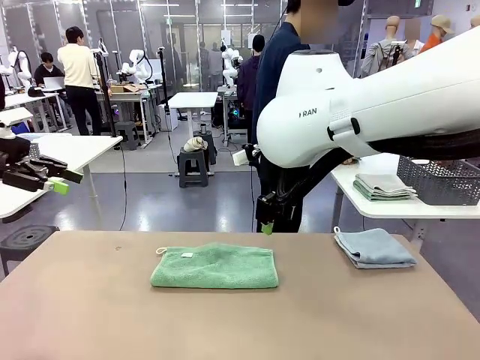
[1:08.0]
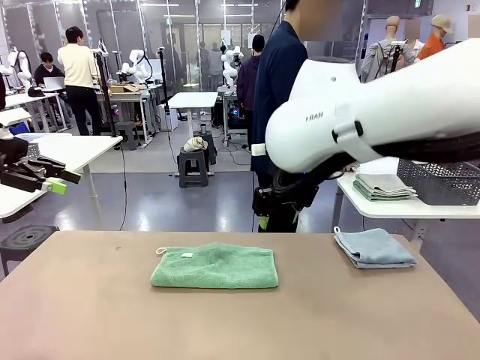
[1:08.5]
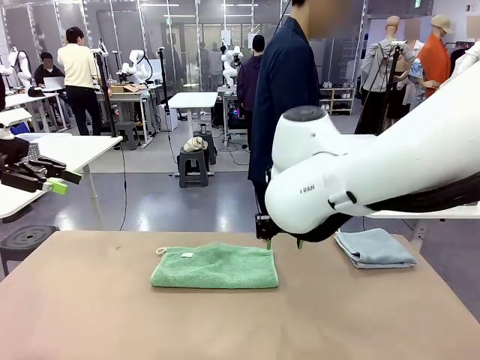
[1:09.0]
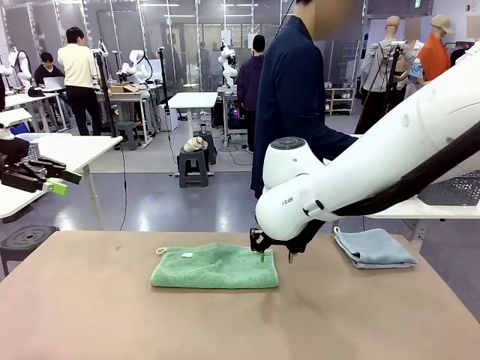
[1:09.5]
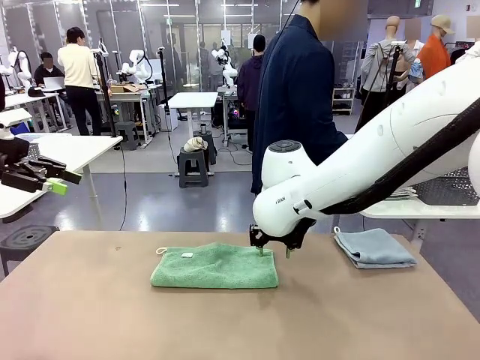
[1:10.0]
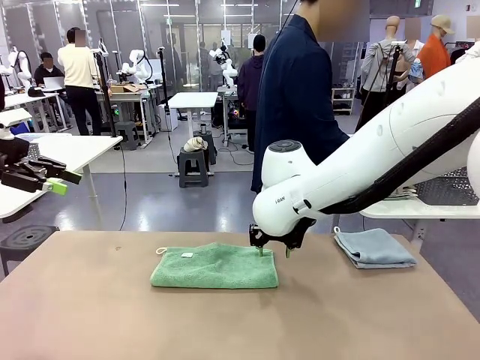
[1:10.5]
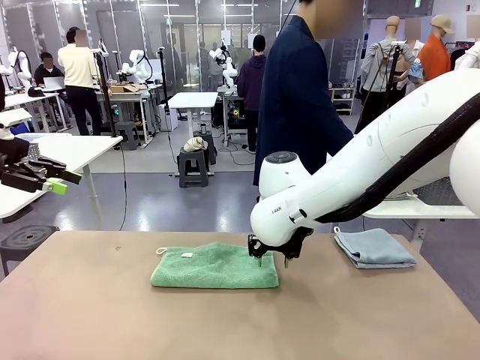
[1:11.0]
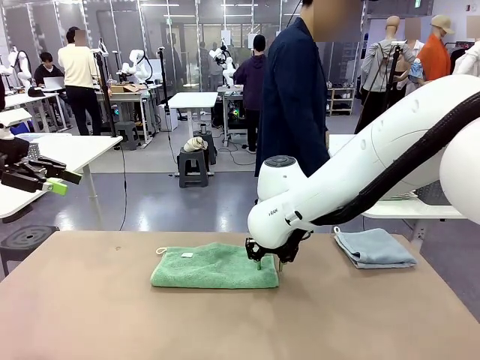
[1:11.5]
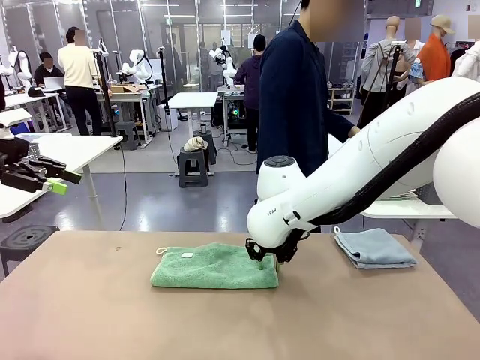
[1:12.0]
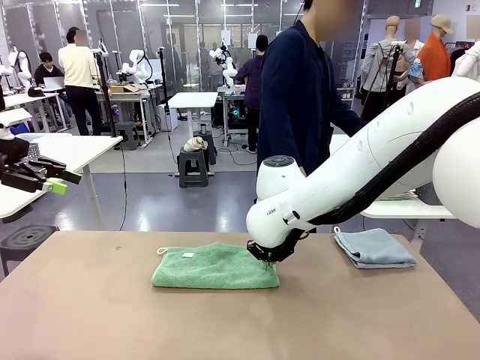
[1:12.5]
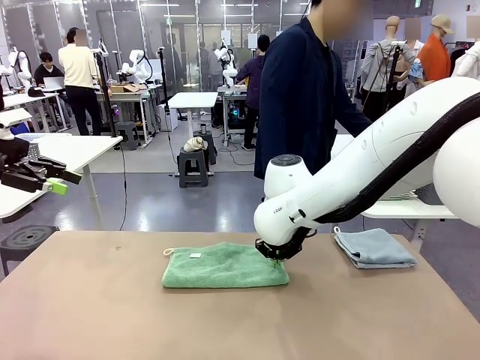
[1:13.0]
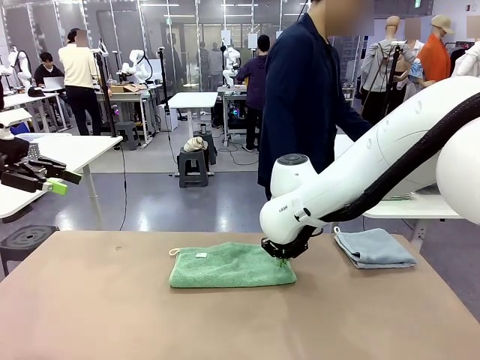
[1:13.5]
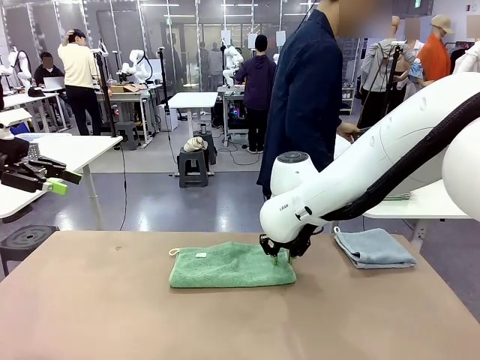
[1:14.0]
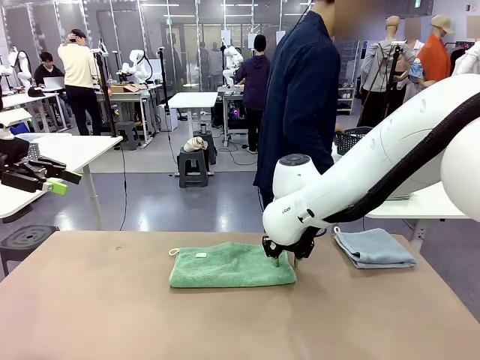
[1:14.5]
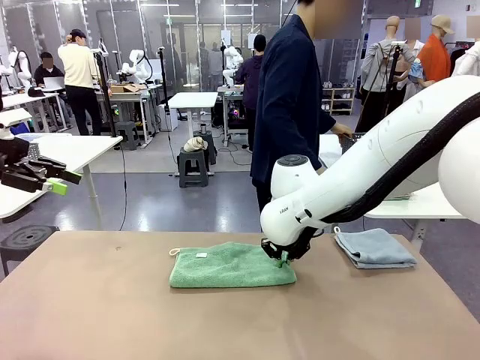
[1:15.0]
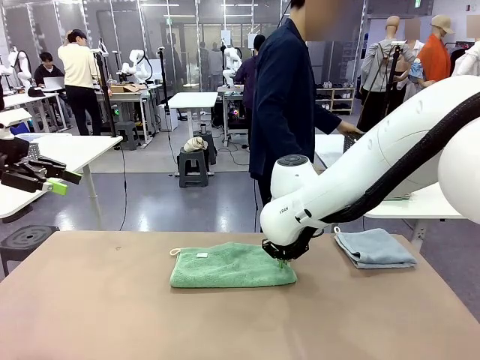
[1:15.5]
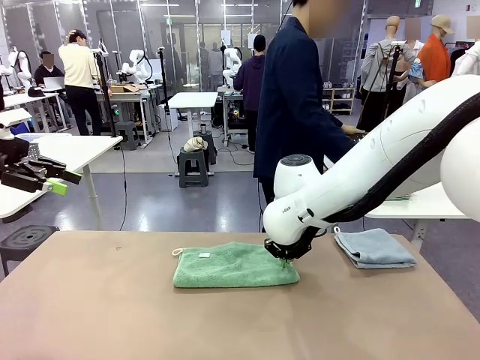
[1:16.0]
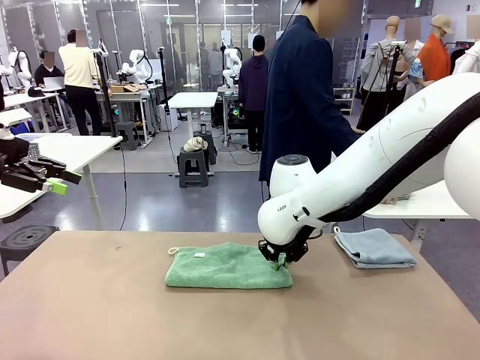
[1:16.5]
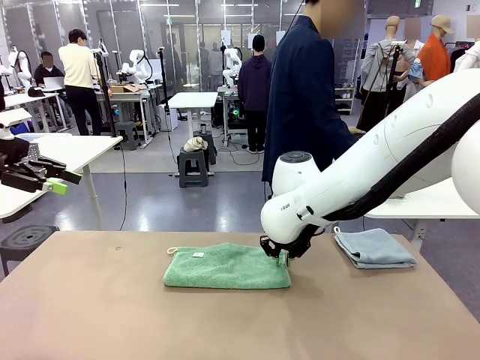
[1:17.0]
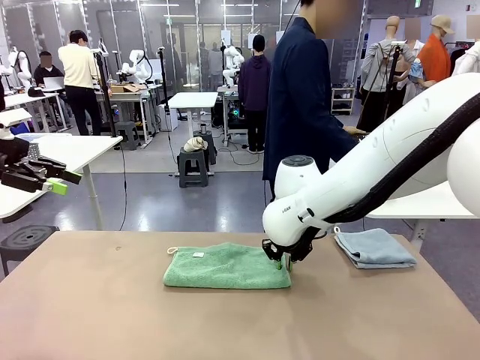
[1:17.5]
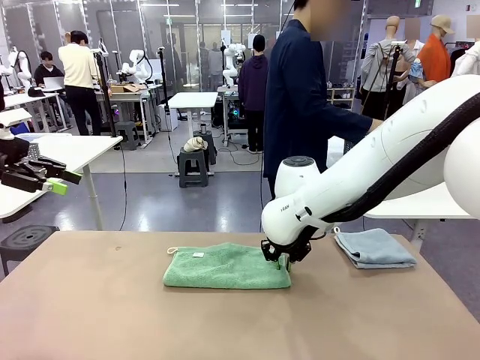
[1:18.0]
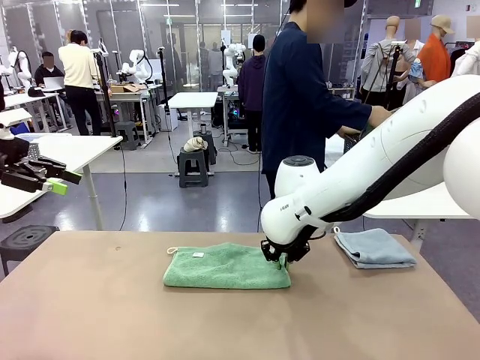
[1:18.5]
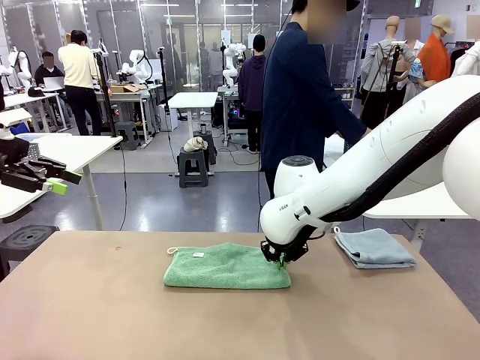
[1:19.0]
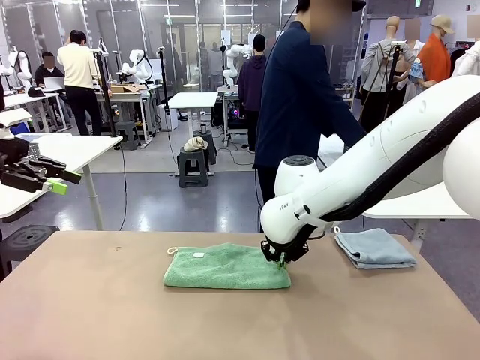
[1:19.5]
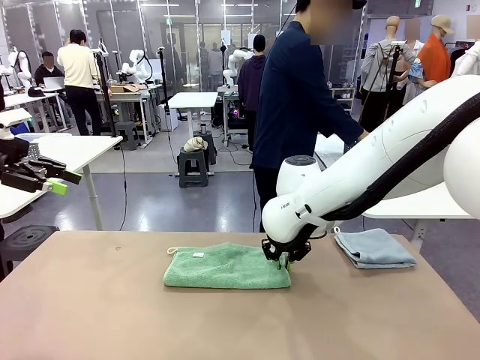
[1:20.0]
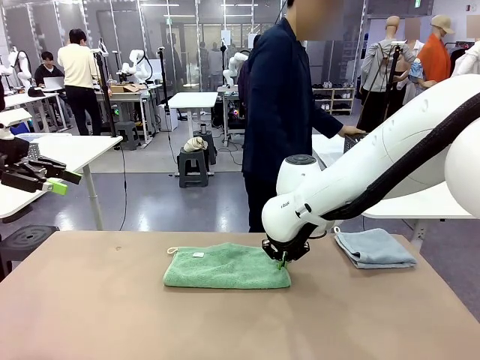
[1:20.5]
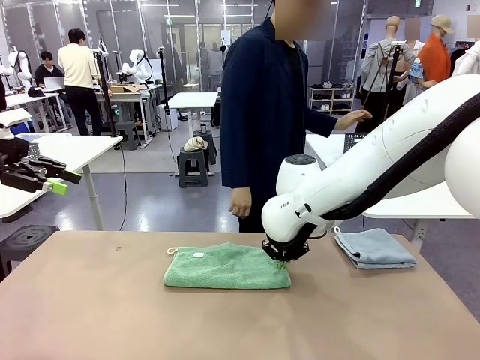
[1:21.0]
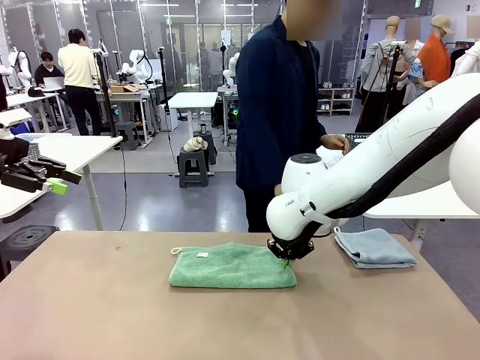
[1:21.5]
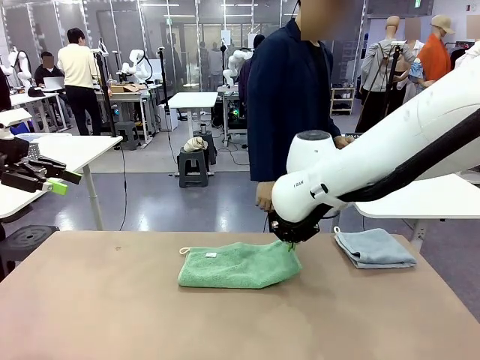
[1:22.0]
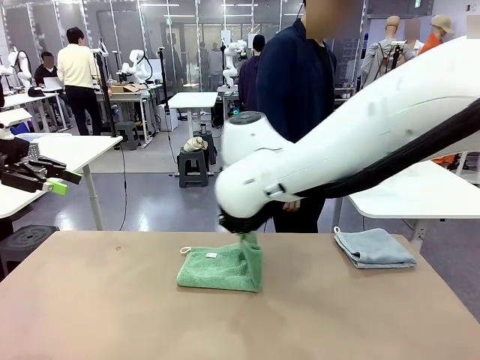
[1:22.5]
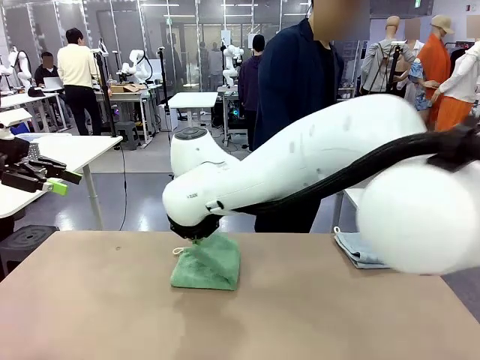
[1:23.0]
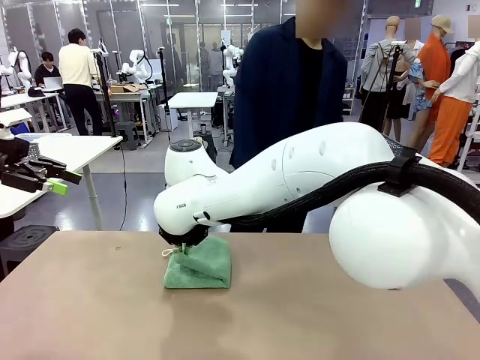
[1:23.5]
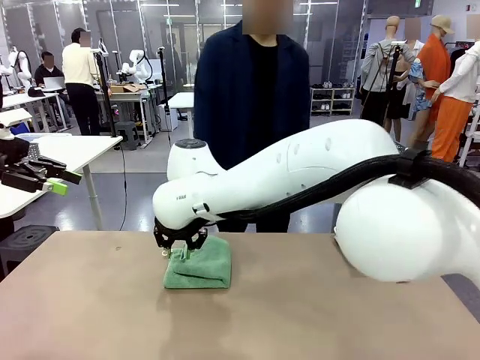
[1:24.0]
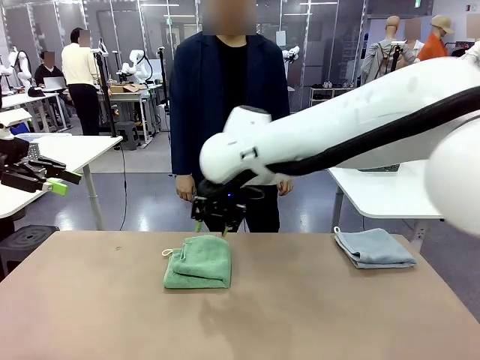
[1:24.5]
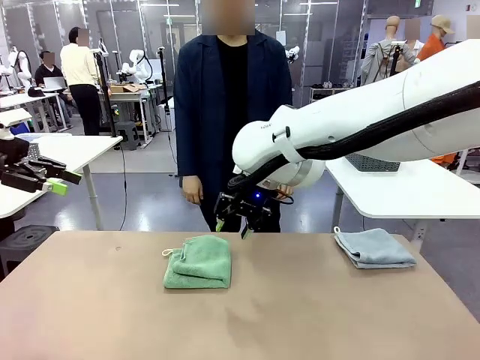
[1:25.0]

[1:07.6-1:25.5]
Task: Fold the towels and place them in the basket.
Robot: When a person lays out a Towel with hook on the table, fold it in half twice.
Person: Pick up the stack of towels from the right side of the human table, place it into the basket, and put the basket at the center of the table.

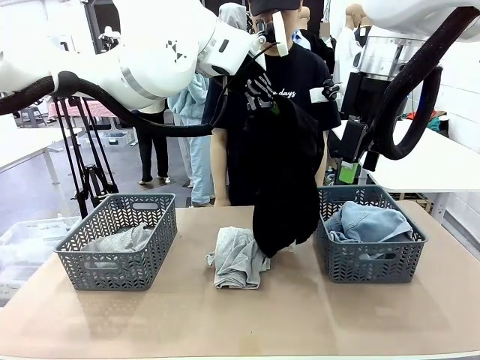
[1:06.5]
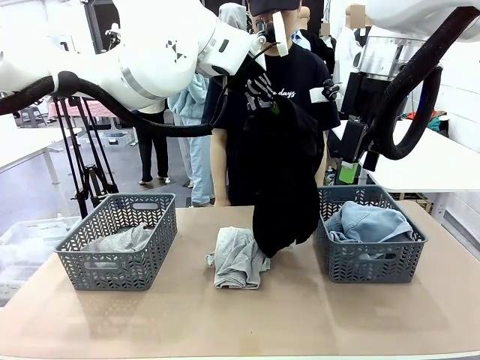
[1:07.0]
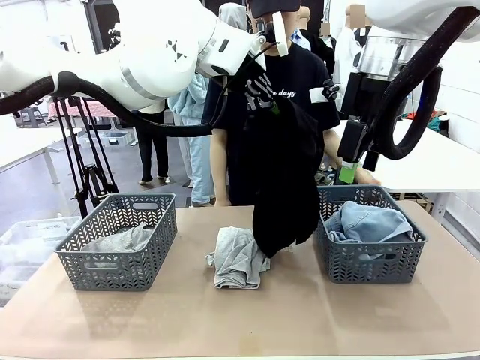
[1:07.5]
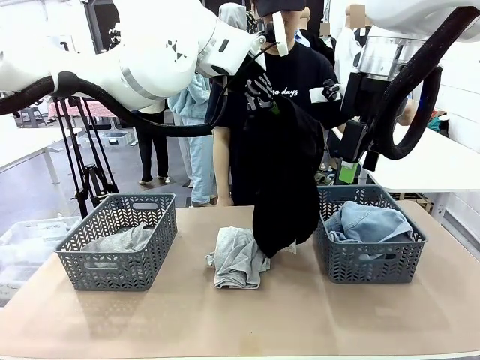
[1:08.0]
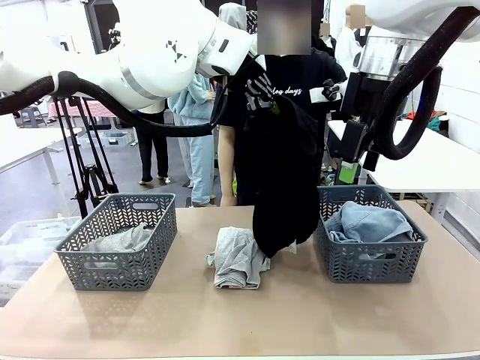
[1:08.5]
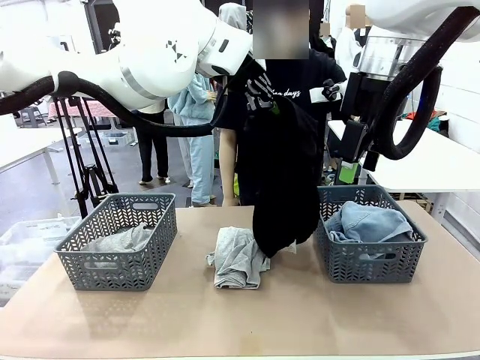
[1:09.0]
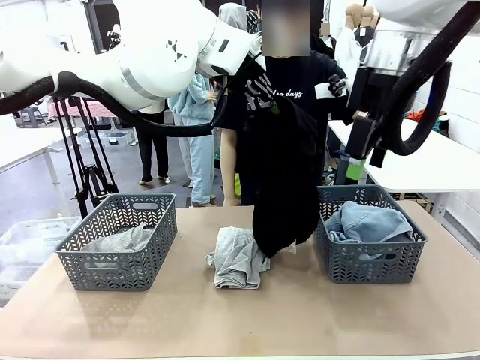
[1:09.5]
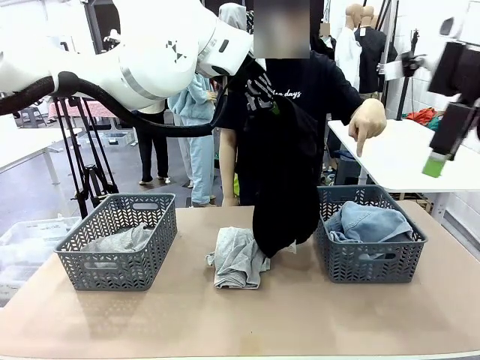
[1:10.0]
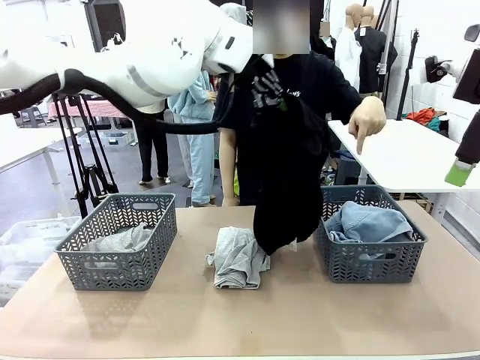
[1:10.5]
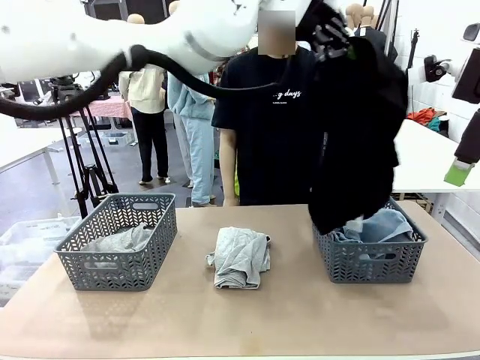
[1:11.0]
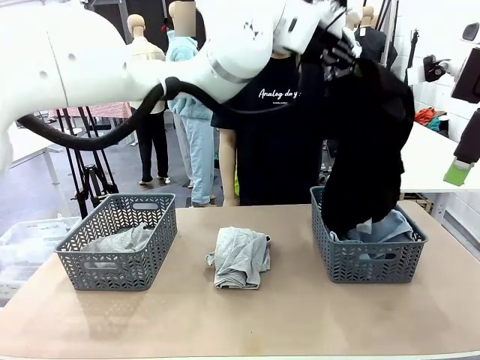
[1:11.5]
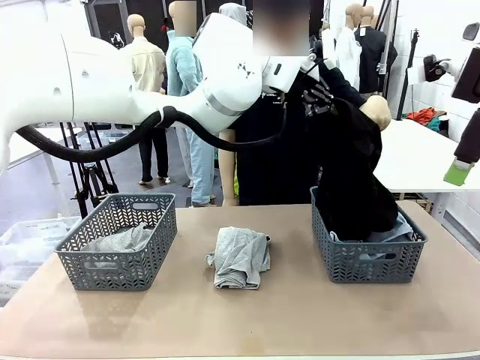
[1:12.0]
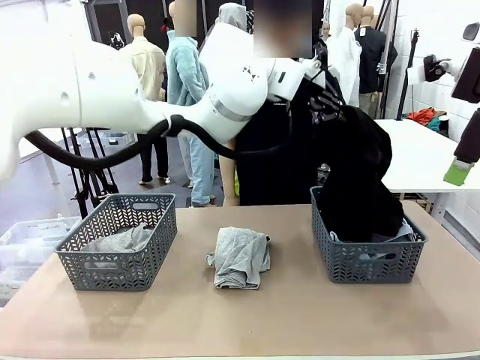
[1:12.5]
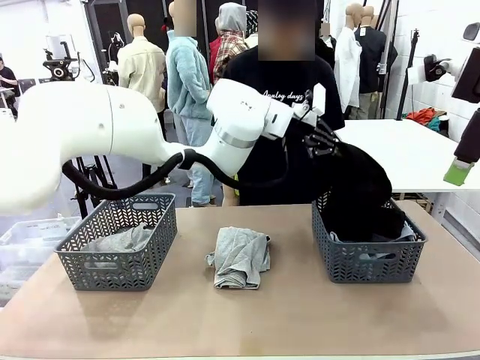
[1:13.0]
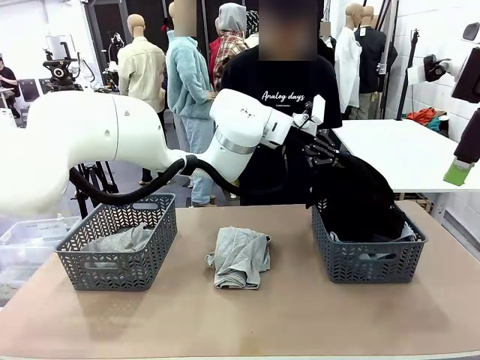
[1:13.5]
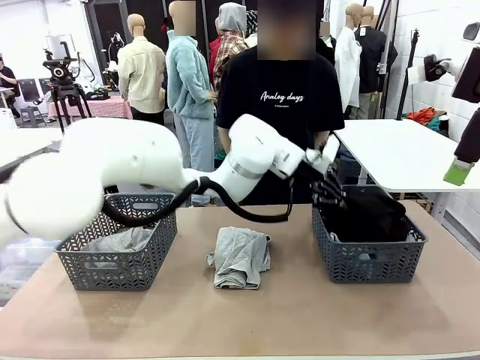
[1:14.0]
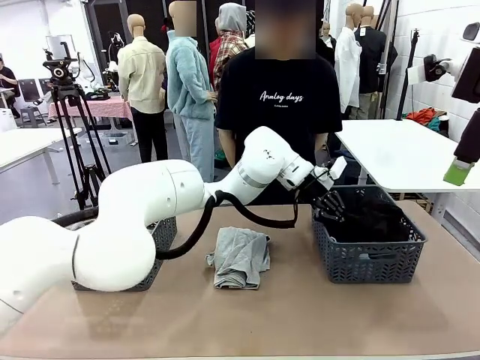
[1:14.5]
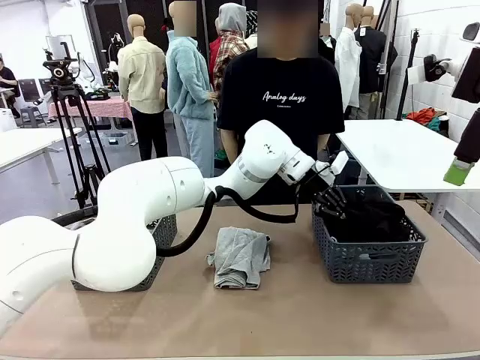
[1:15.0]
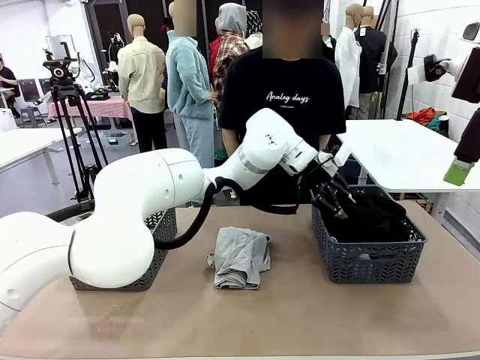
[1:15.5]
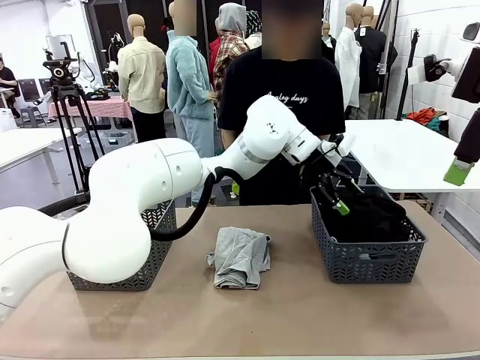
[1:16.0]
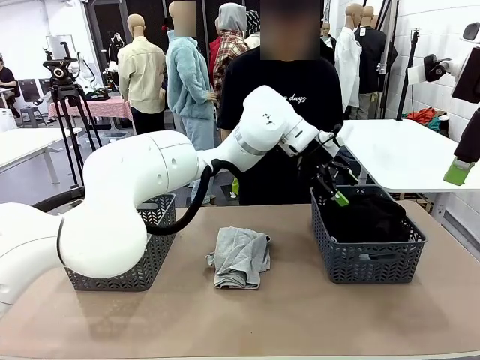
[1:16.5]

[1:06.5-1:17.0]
Task: Sort the tops and bottoms.
Robot: Sort the clothes according to human instructions.
